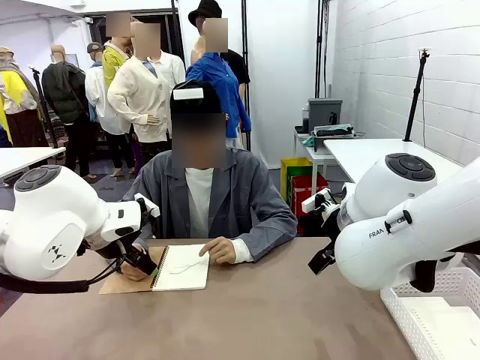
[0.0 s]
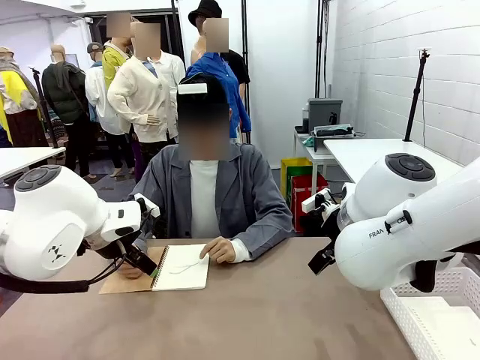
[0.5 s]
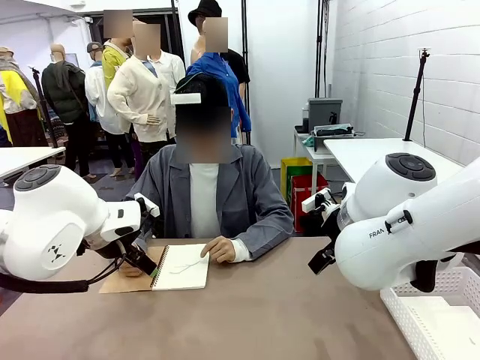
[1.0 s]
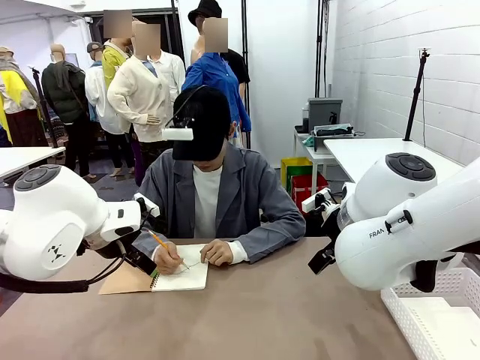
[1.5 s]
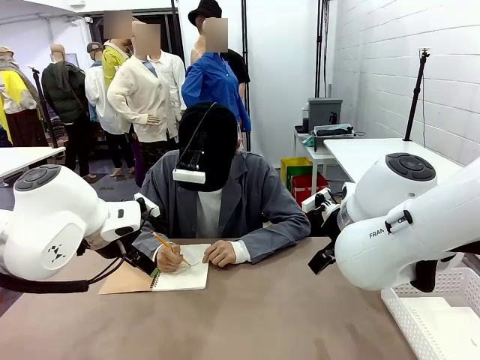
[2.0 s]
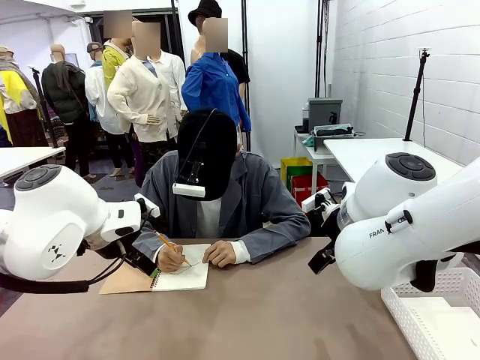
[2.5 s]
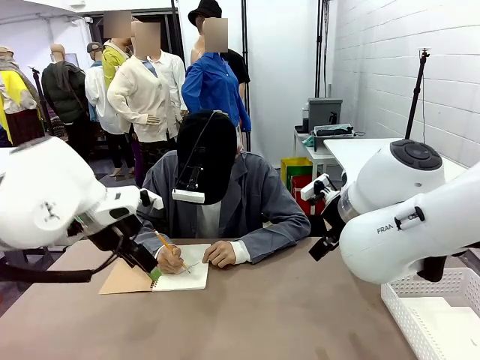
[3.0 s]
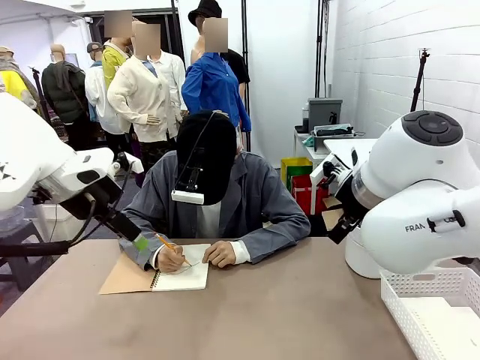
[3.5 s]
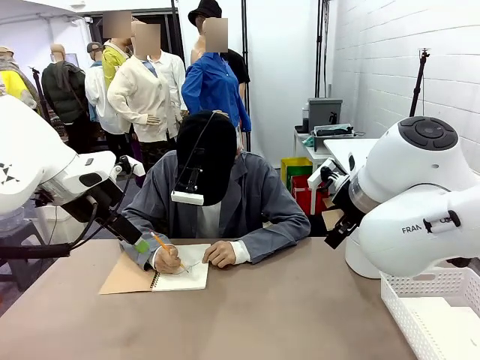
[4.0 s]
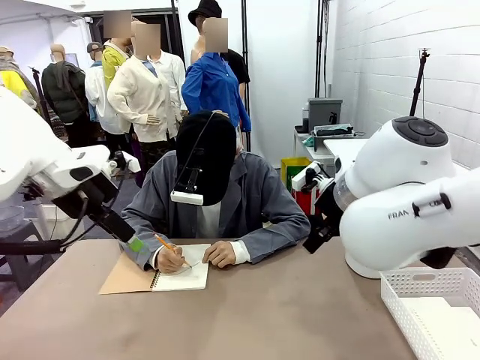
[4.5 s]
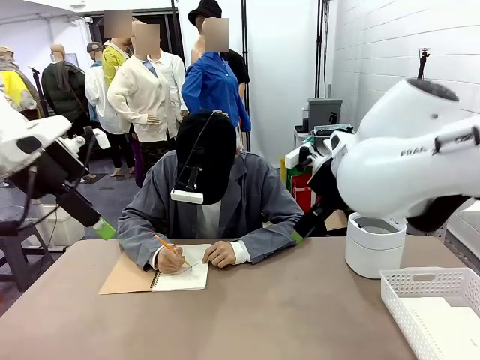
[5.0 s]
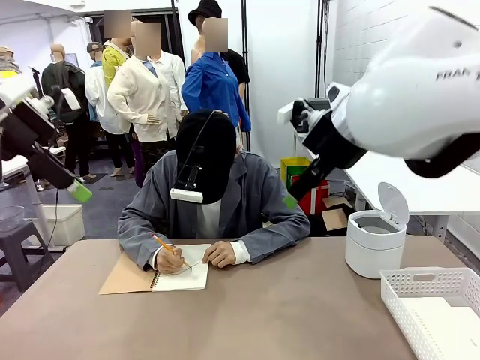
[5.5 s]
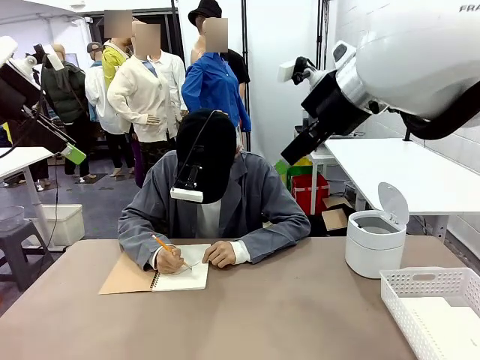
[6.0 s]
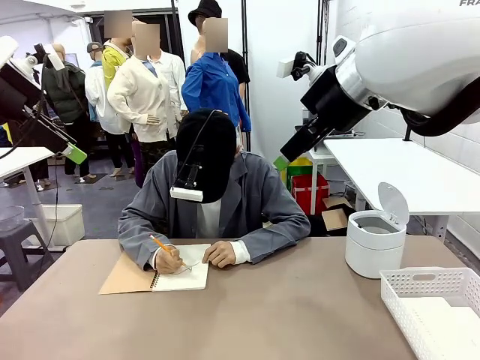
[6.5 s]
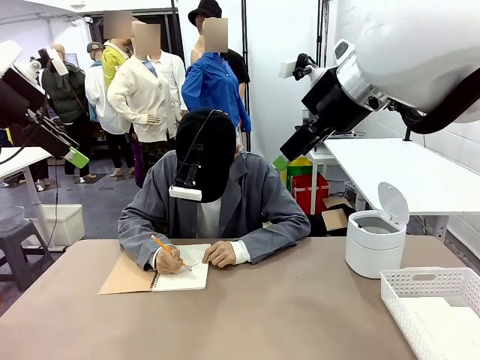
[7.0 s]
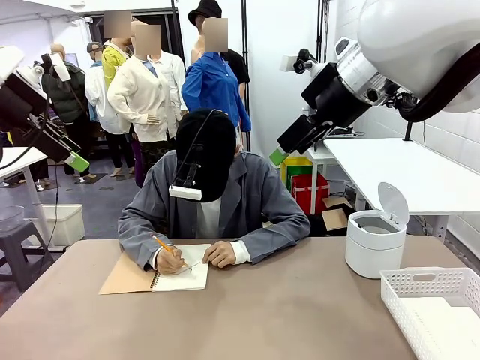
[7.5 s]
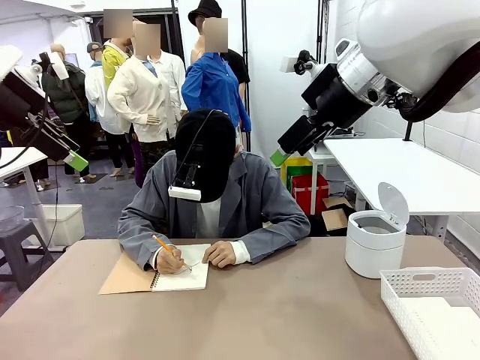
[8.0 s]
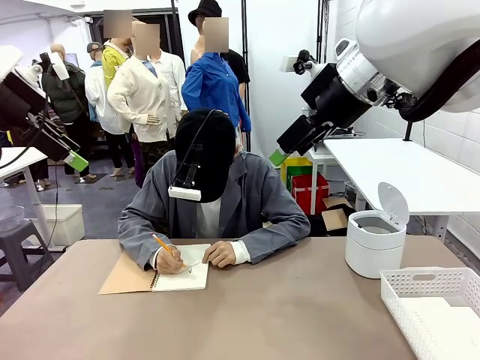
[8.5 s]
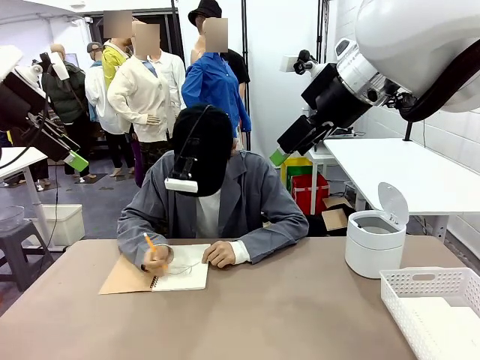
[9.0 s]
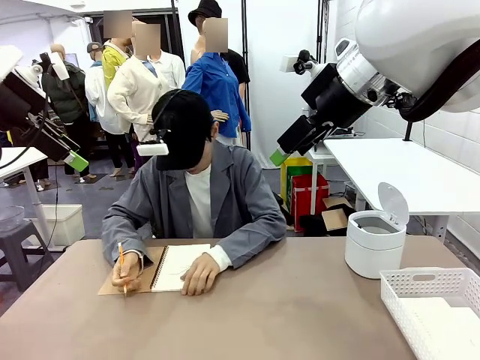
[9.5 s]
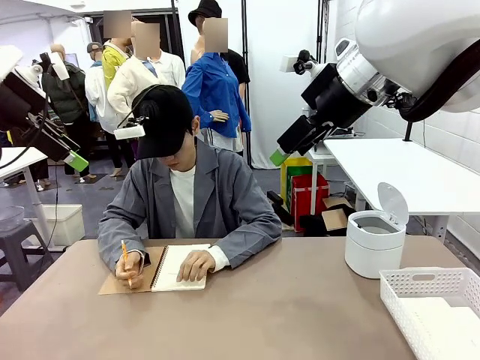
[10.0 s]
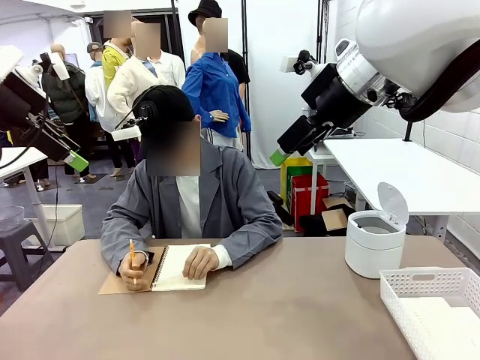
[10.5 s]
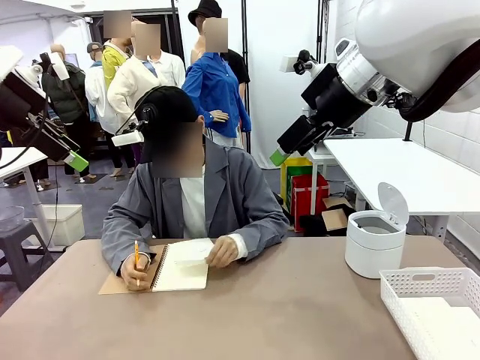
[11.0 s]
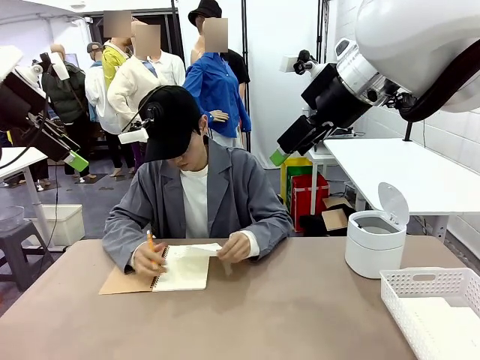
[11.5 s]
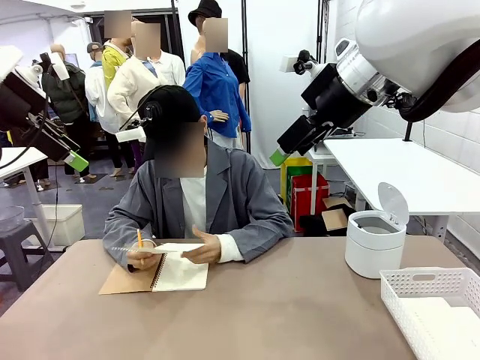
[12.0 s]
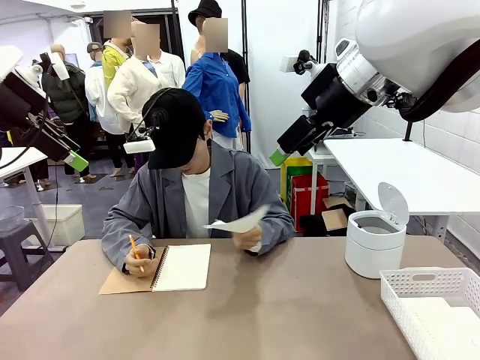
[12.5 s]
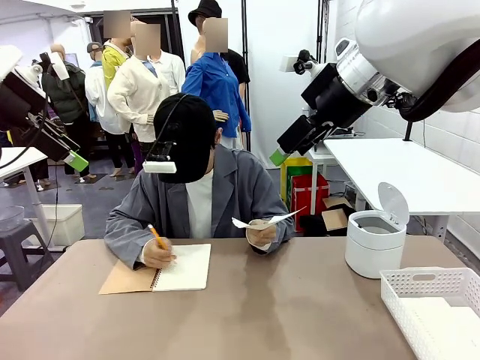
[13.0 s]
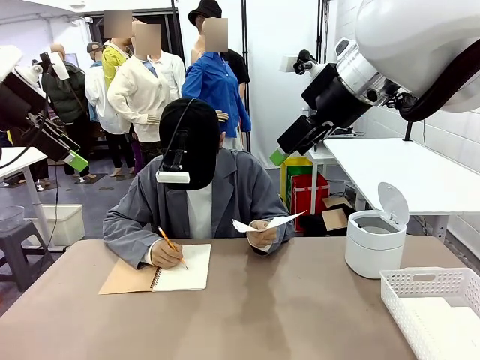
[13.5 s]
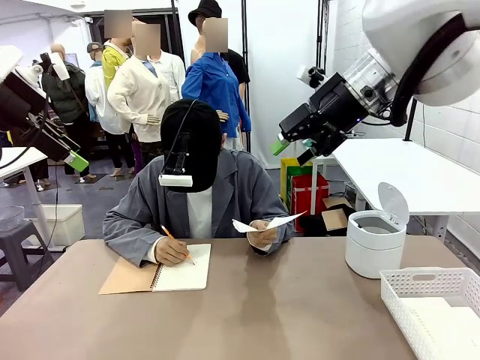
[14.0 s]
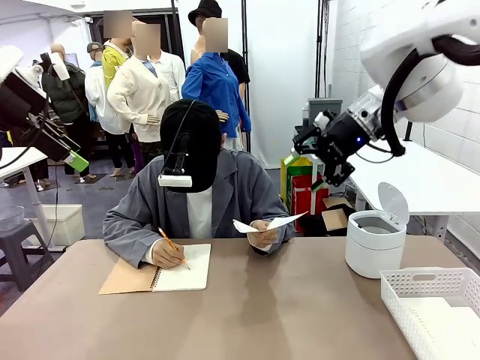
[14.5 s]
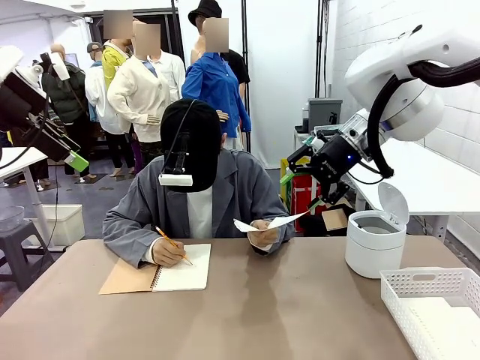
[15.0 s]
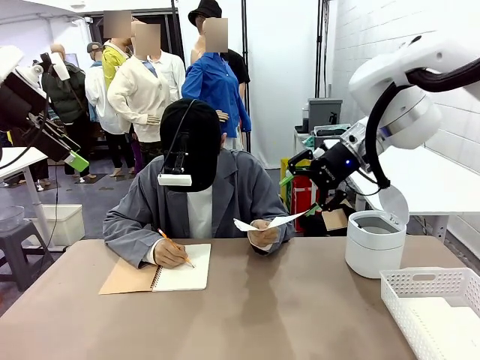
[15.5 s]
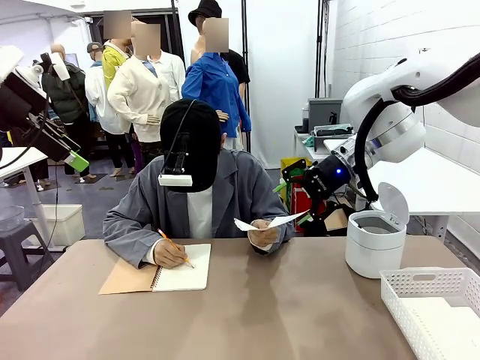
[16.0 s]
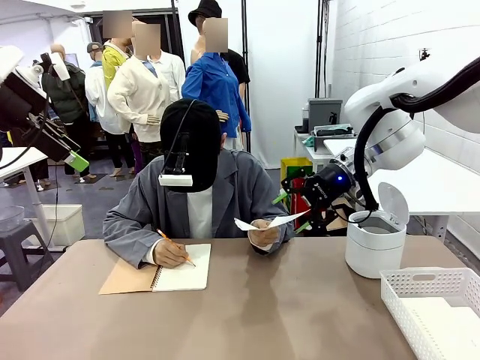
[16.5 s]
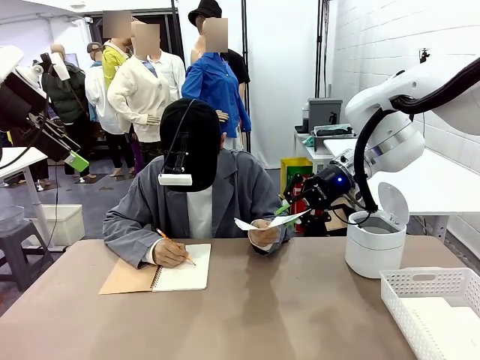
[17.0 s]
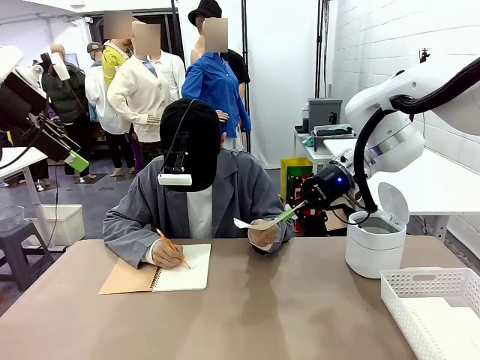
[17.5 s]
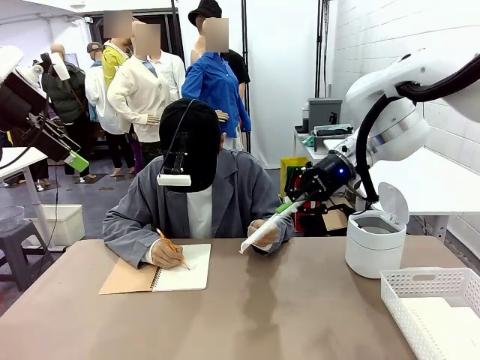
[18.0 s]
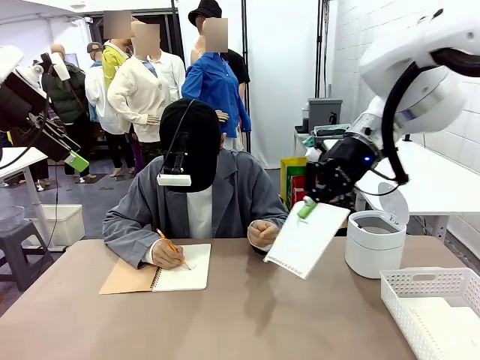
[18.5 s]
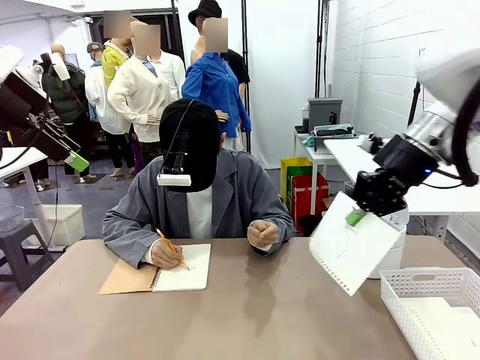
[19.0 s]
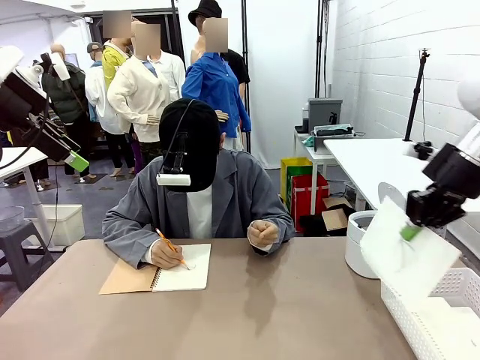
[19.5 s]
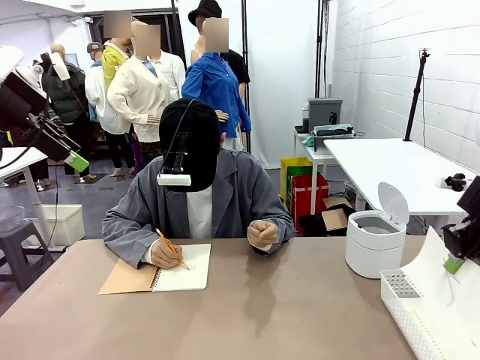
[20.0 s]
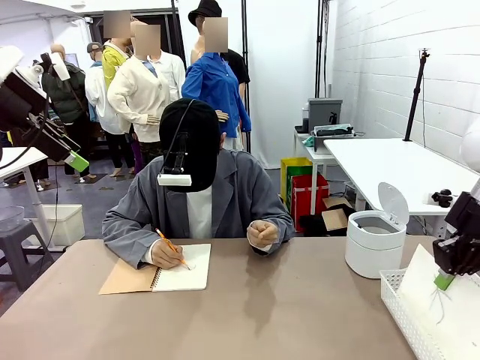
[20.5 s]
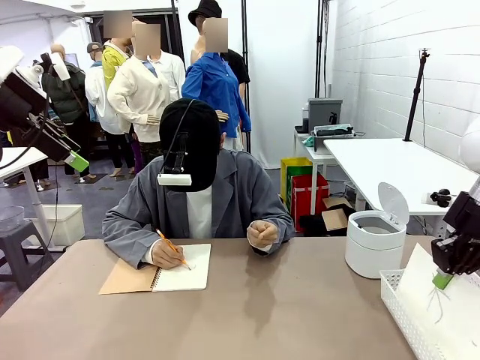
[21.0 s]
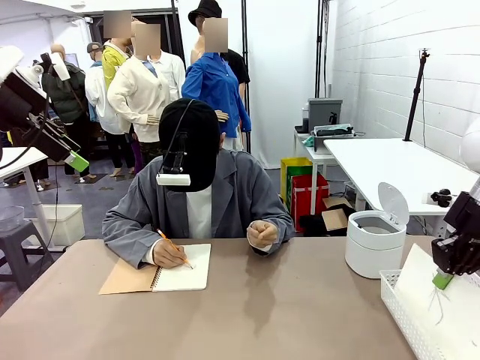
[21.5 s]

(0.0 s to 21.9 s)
Task: Sort the paper based on its condition.
Robot: If a person hands you a paper, place it in the Organizing basket , and if it's crumpled, put it in the Trash can.
Person: Tear out a page from the spiral notebook. Hand the torn page to the robot or crumple it and throw it to the center of the table. Tear out a page from the spiral notebook.
